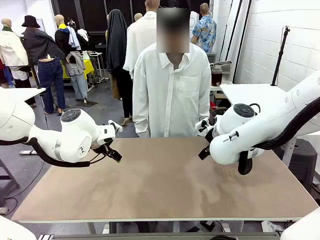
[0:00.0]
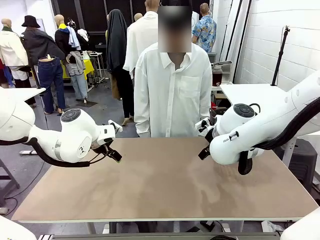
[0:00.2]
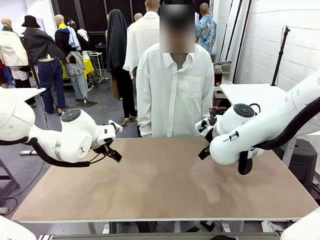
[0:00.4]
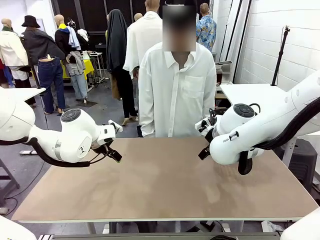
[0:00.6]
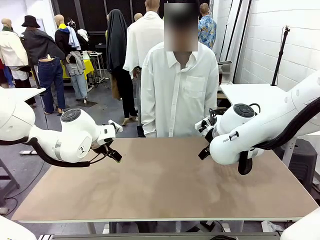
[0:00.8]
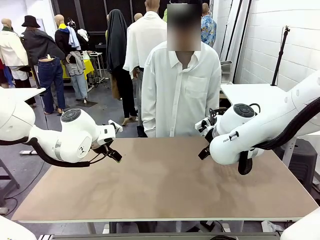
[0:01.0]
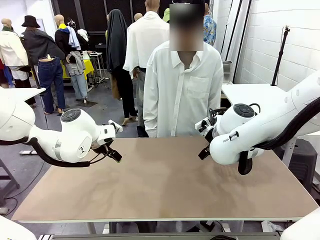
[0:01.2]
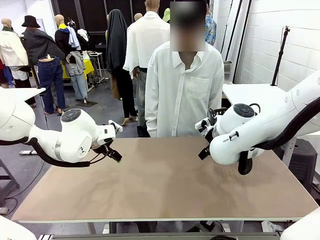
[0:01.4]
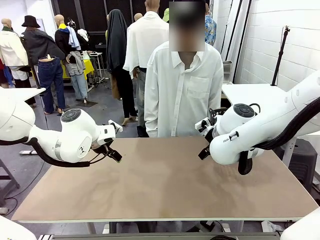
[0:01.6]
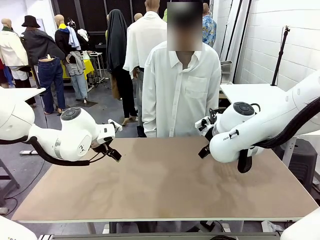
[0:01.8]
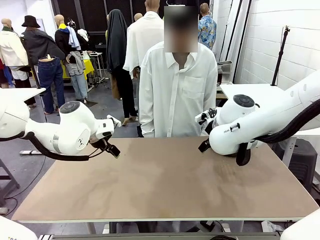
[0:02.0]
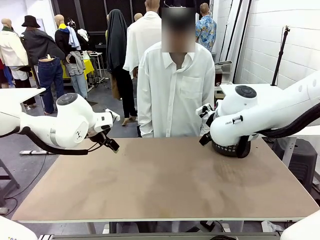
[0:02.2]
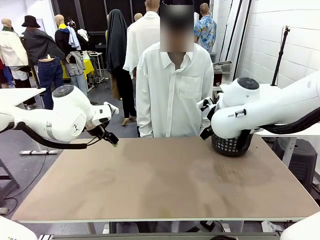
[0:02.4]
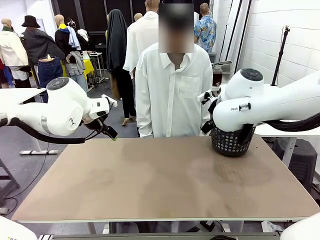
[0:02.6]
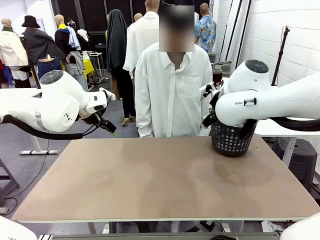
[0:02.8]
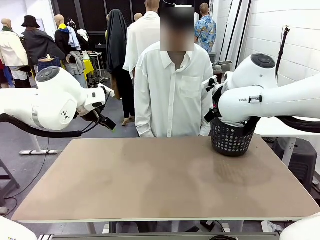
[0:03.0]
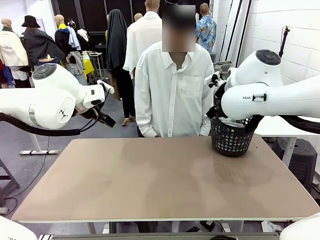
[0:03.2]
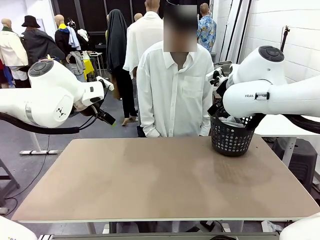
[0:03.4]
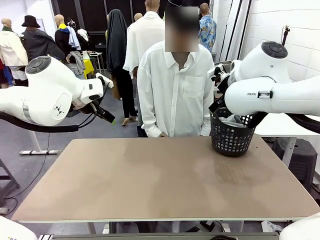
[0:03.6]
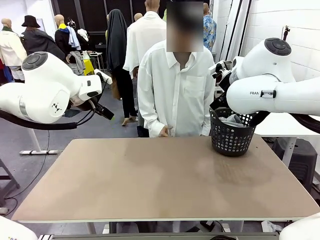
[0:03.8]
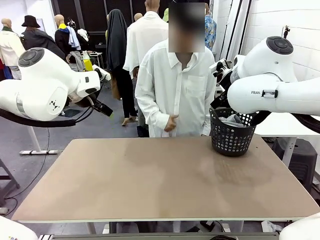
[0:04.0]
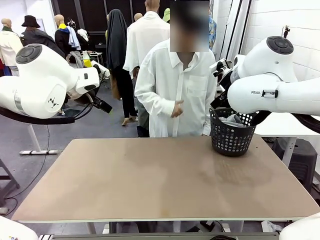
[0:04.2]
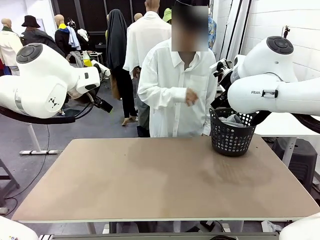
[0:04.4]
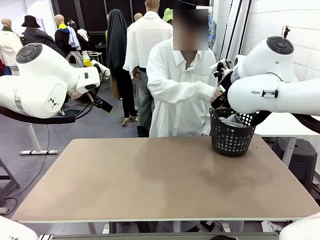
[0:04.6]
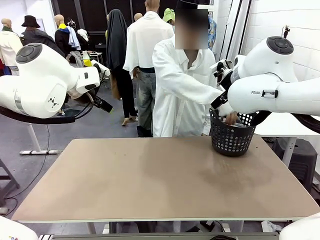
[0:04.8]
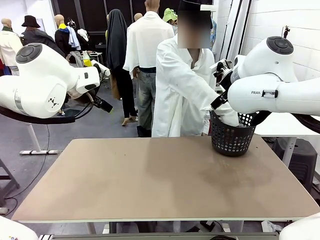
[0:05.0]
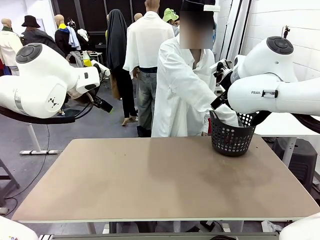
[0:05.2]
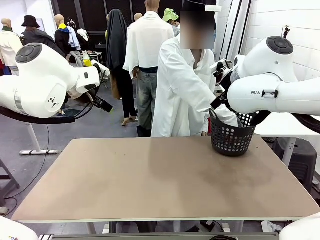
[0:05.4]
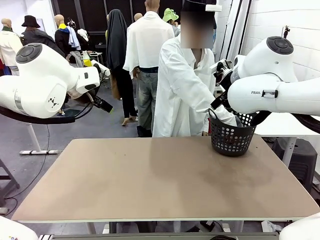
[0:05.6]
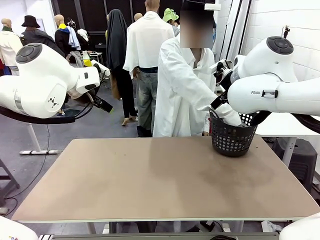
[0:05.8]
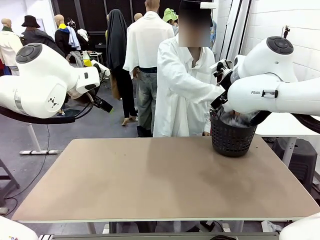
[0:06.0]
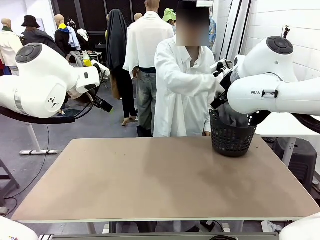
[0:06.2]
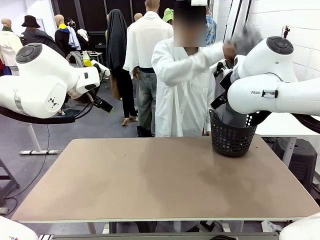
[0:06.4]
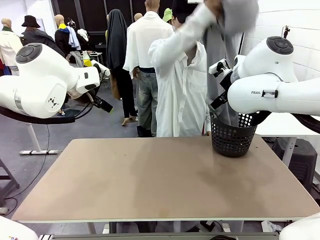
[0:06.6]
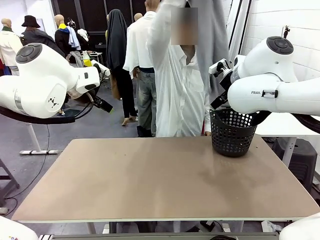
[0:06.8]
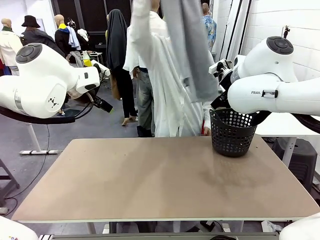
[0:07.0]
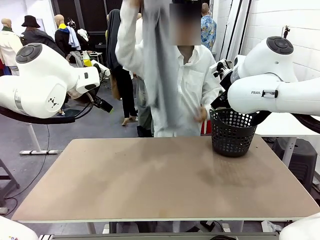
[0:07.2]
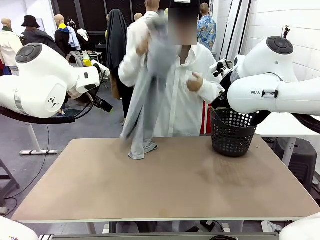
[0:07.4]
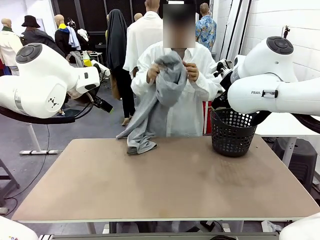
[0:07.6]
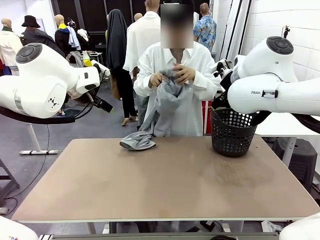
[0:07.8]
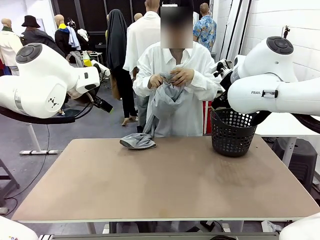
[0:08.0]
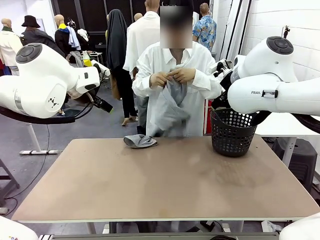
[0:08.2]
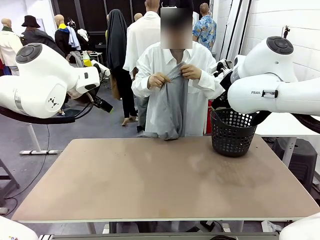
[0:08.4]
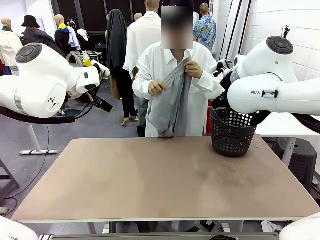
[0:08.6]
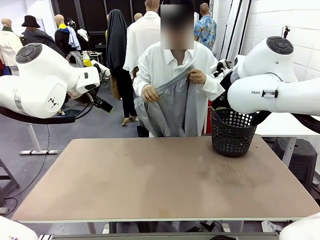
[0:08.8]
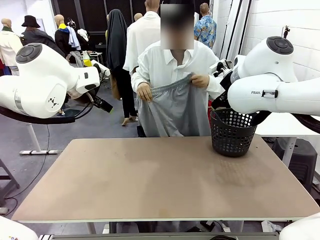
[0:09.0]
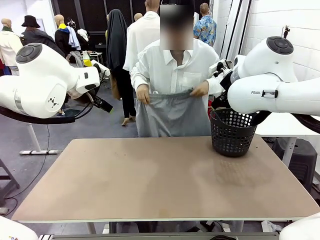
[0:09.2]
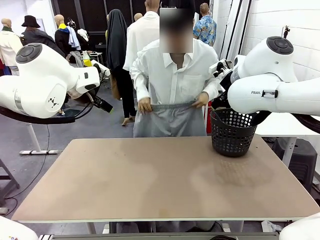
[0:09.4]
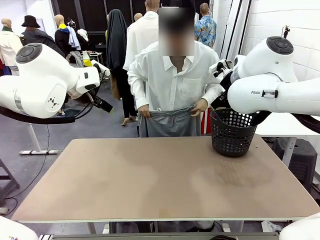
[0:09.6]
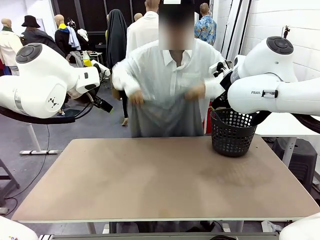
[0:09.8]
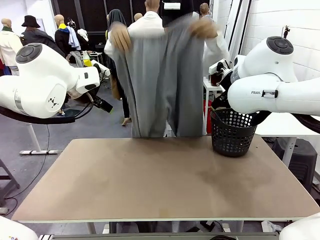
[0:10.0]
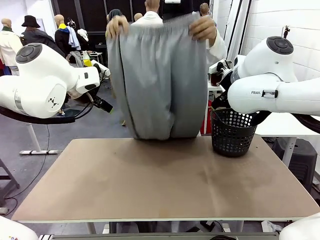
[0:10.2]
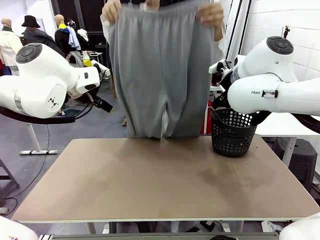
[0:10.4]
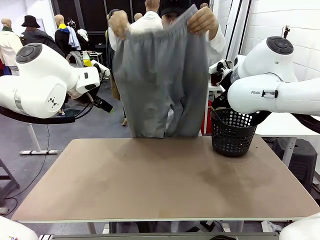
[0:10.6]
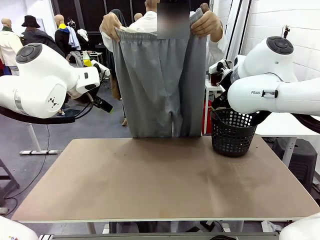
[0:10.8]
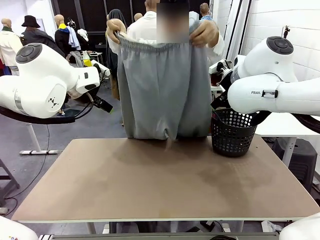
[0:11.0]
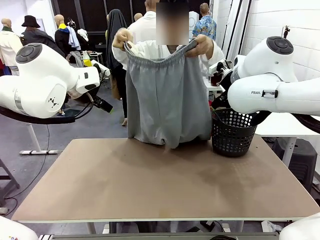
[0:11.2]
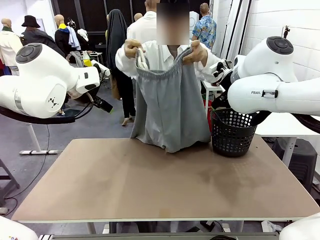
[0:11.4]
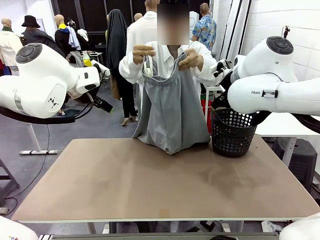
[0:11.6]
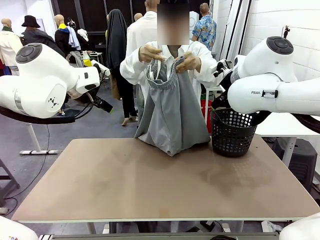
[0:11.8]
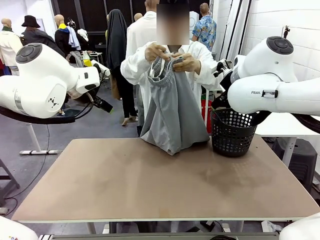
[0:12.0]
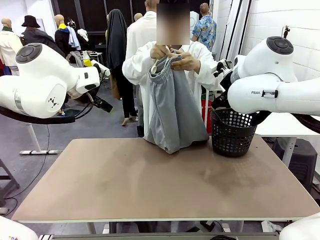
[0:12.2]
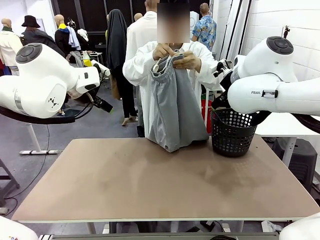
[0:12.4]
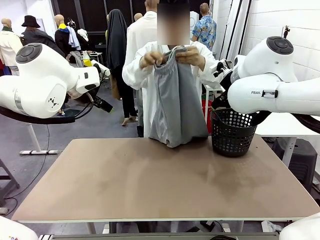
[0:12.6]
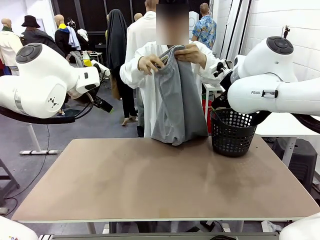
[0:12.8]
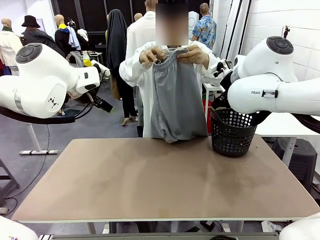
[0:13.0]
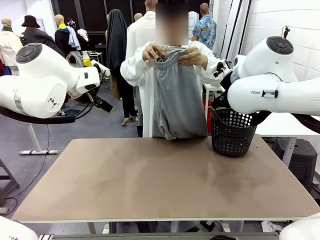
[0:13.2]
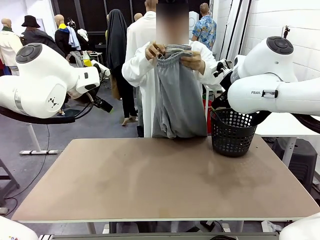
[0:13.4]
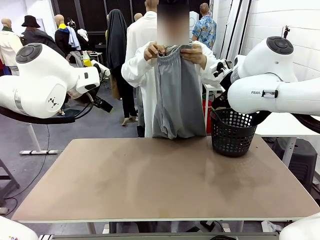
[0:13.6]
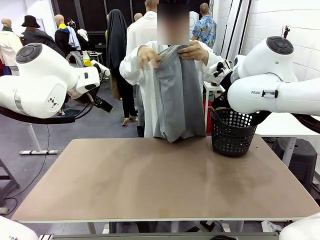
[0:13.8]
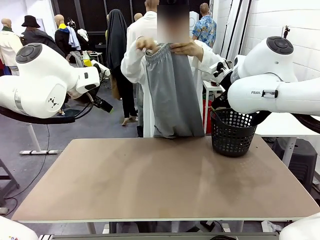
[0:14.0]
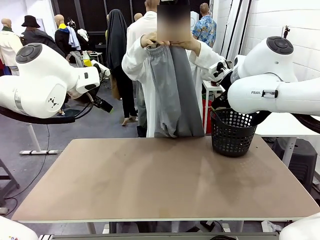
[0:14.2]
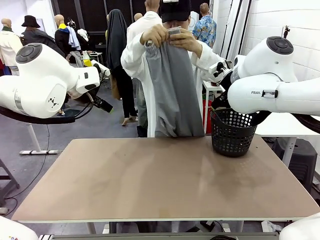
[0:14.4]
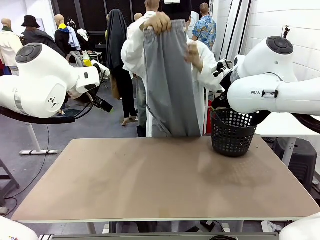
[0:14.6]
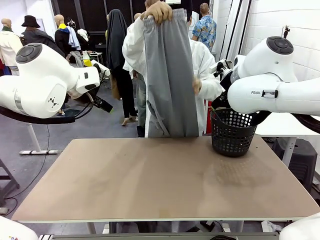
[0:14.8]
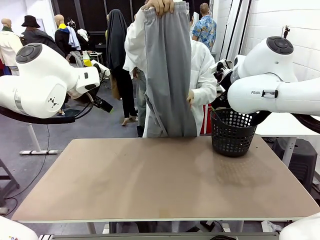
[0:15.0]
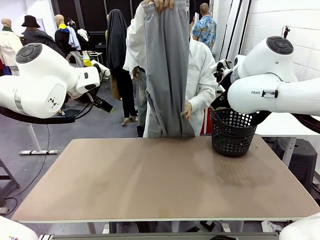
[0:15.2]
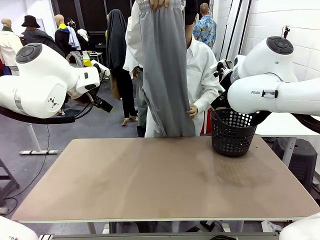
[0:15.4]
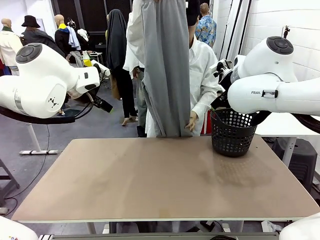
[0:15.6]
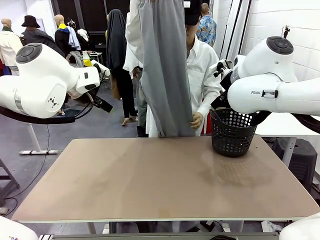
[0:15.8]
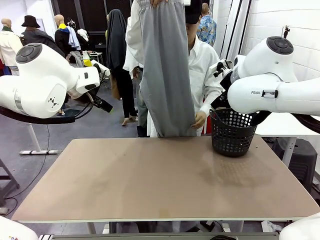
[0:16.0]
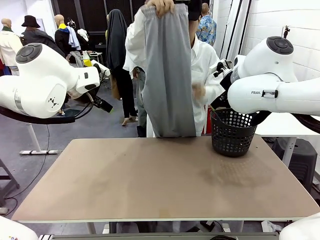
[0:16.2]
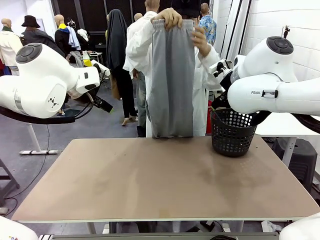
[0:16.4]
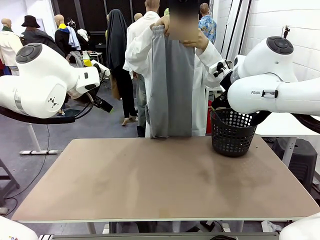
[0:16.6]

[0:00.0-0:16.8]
Task: Fold the training pants.
Robot: Grab both ends of the Training pants handed by a person.
Person: Take the long pants out of the laundry basket, unfold them, fold the waist in half, and extend them so the robot can pick up both corners.
